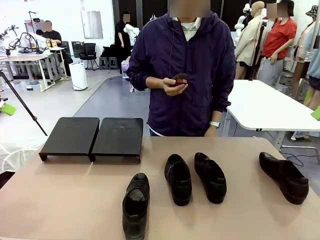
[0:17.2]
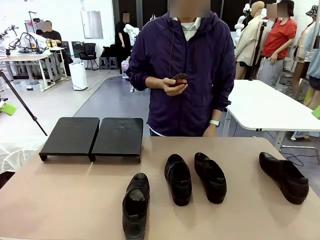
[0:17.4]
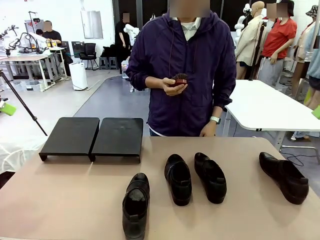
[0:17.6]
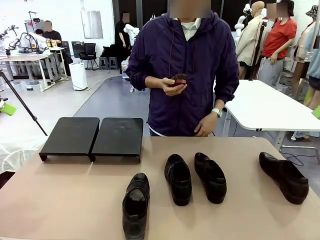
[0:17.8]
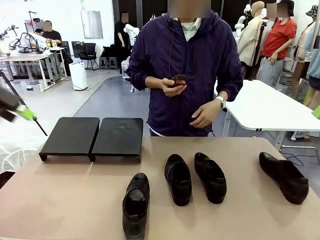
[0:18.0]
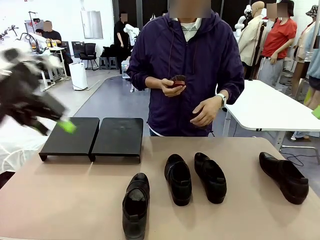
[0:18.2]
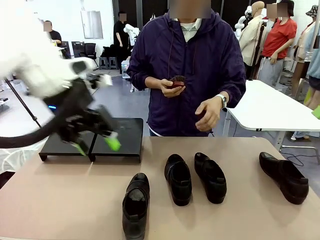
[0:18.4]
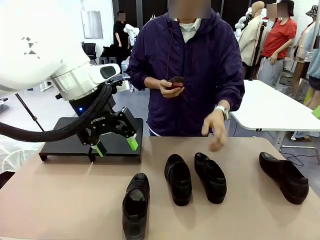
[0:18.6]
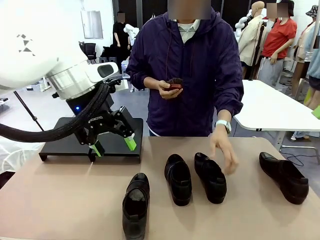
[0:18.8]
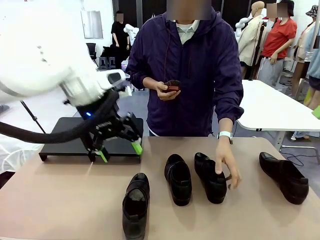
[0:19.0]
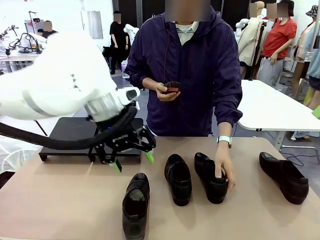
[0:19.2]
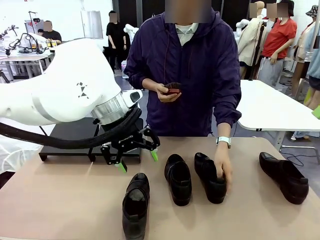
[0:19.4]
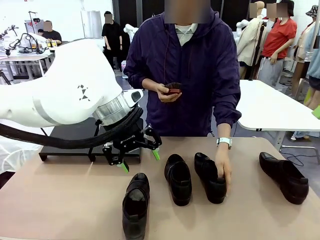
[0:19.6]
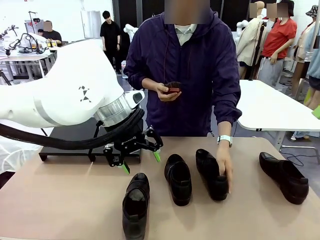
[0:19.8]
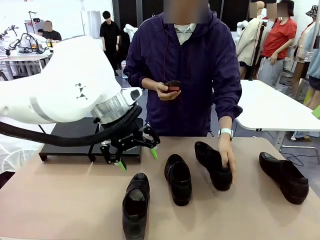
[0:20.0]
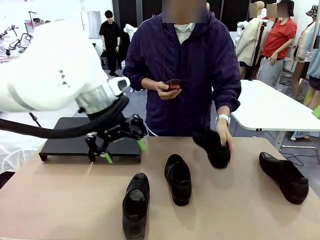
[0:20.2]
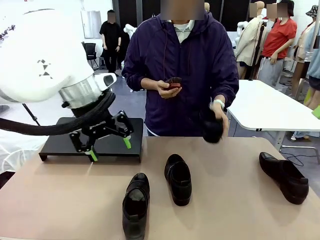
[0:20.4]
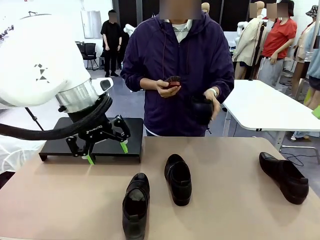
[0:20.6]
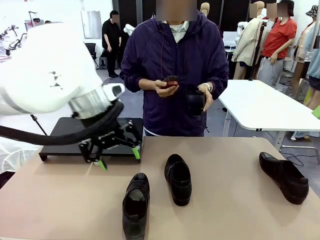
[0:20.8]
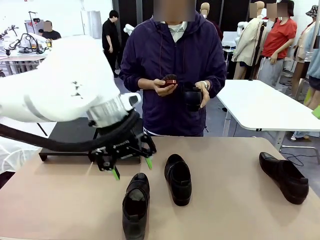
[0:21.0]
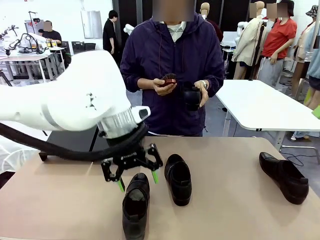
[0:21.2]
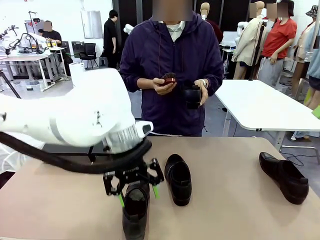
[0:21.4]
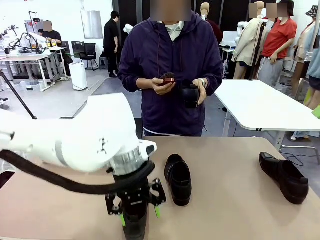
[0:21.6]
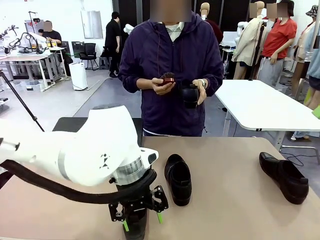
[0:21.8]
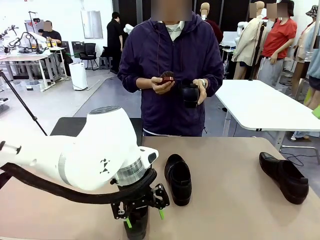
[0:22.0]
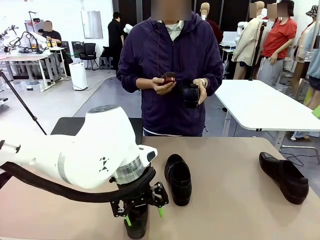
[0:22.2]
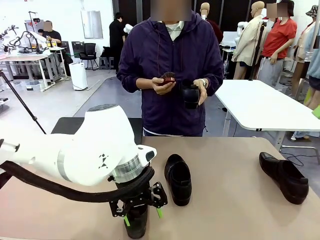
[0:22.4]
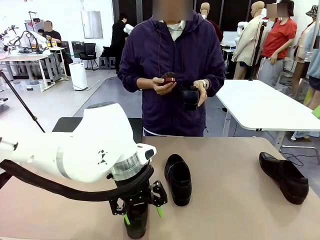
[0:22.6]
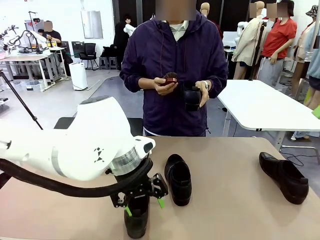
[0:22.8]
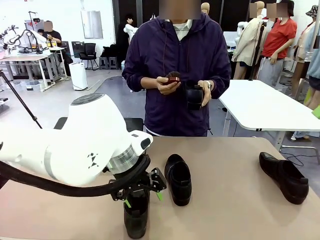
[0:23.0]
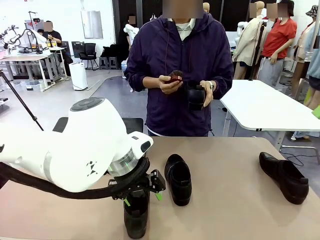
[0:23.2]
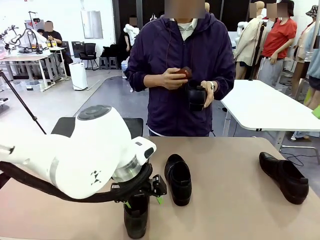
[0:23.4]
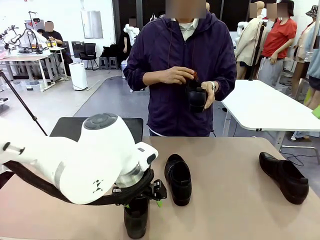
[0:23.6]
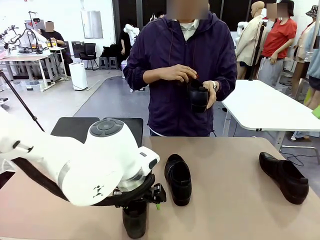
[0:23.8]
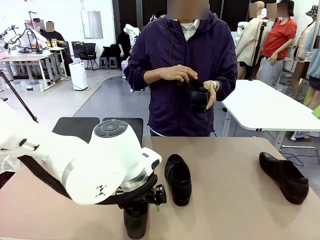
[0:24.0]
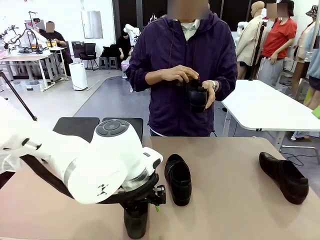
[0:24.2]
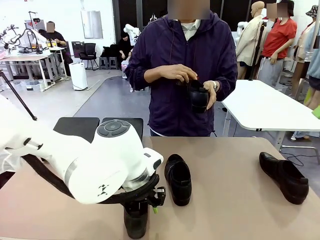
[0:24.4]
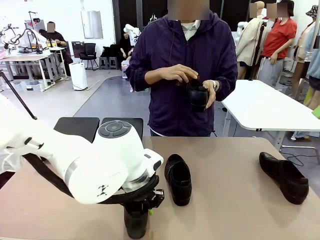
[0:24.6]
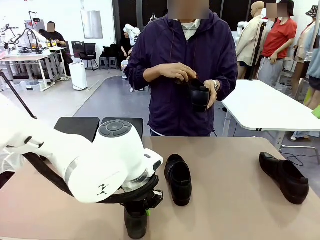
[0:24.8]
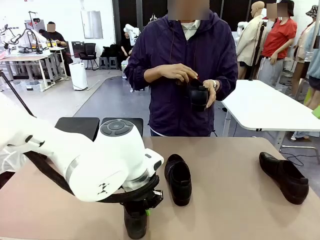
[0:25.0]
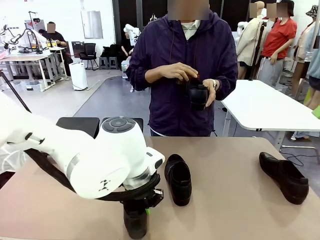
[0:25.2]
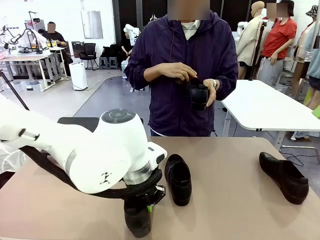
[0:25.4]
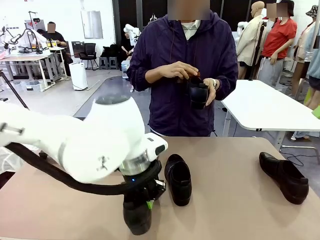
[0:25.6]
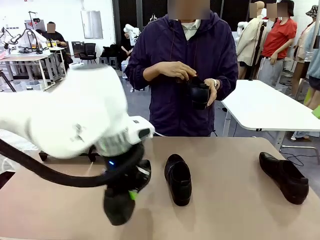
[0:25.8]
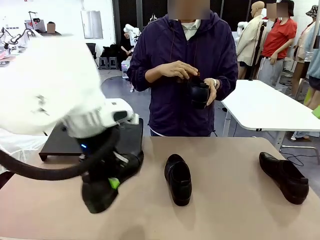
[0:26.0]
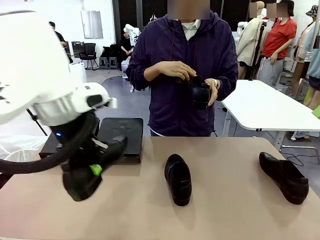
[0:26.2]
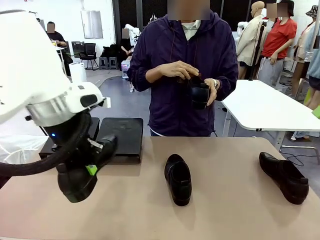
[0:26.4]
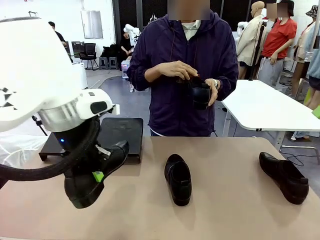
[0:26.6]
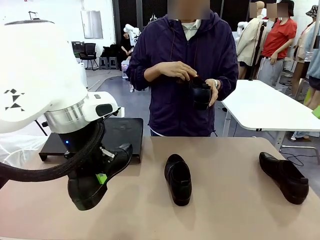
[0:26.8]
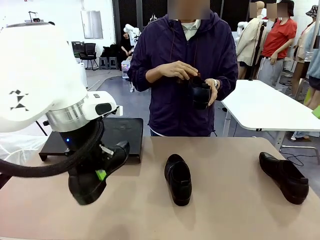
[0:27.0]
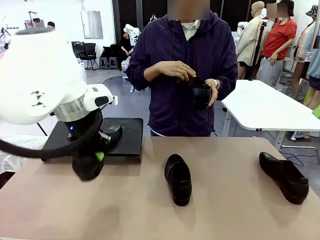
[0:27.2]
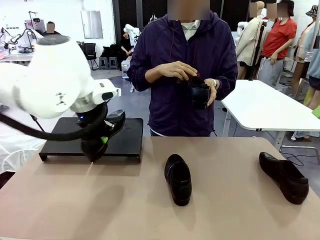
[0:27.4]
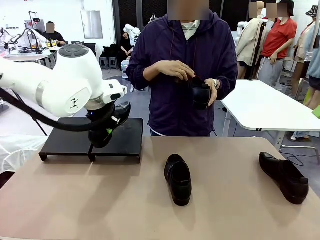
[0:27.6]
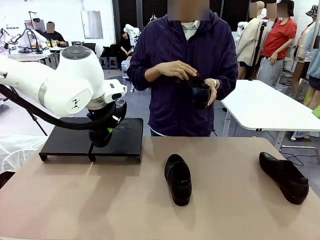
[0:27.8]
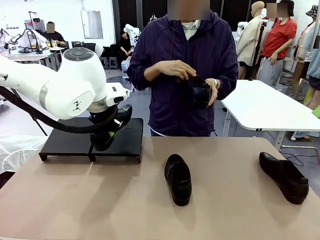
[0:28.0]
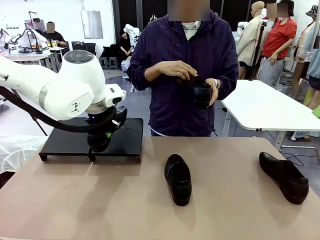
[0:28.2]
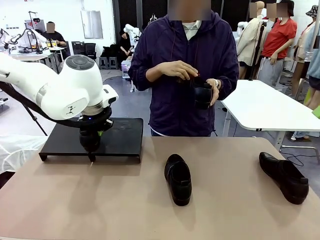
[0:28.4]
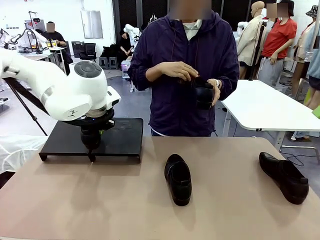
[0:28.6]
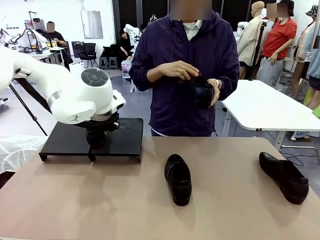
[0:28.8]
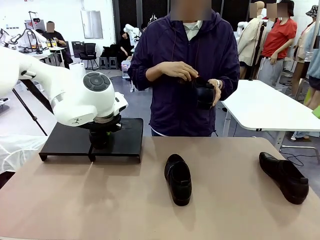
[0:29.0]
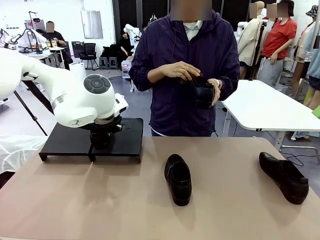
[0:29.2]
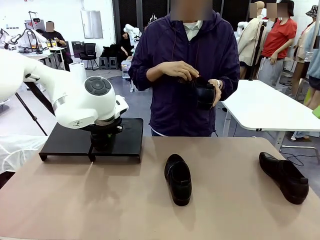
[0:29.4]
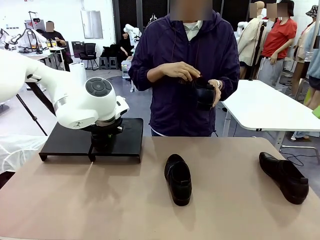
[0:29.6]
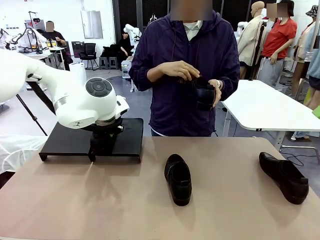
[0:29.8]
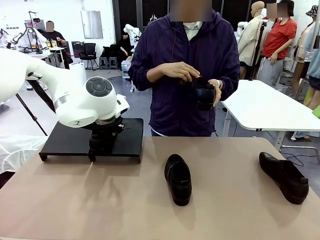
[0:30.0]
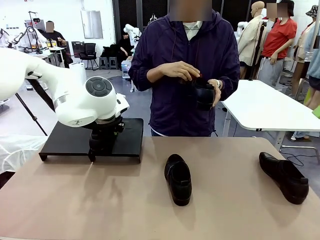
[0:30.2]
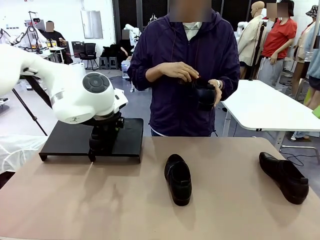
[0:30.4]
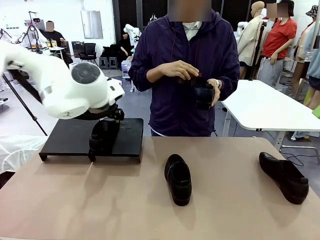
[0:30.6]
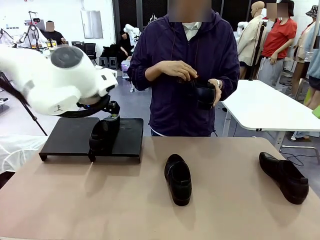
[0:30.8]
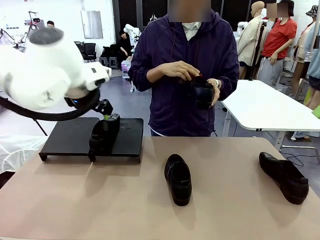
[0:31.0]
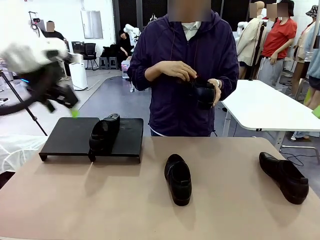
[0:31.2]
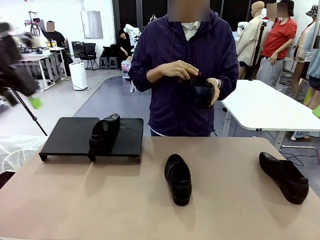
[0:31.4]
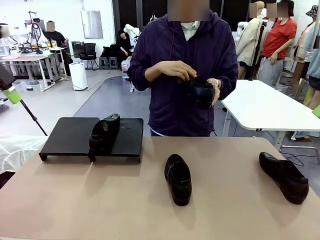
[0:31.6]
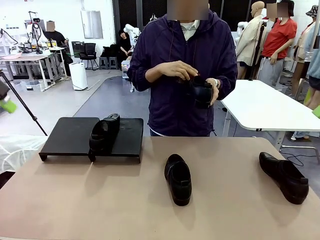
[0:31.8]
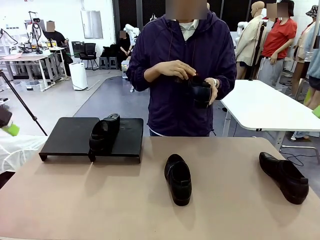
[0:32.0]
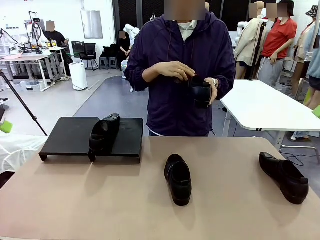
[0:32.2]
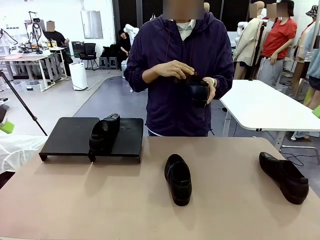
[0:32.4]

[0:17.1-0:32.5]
Task: Organize the shoes by placing them on the stand.
Robot: Place the Shoe from the middle of the table onto the Shoes Stand.
Person: Pick one Shoe on Robot's table. Clean the Shoe with the Shoe Brush.
